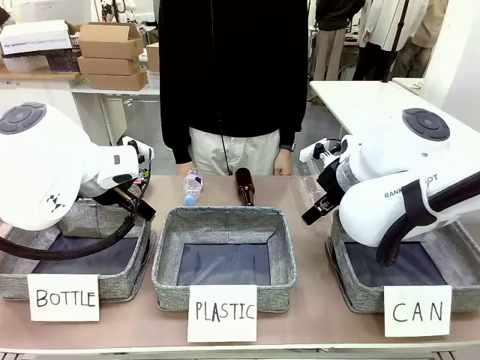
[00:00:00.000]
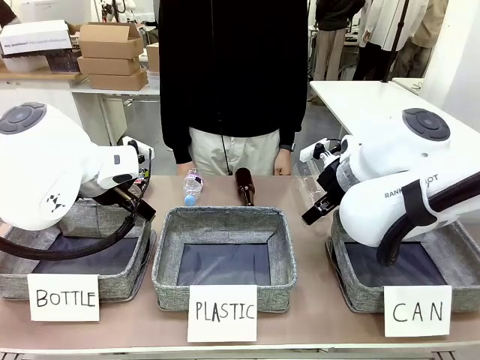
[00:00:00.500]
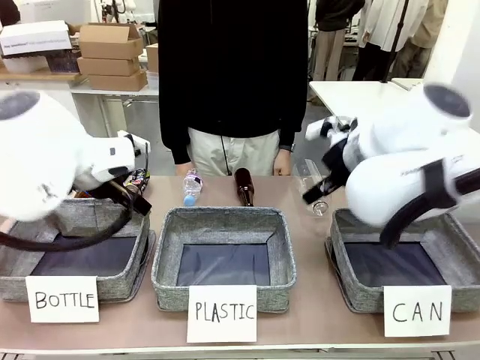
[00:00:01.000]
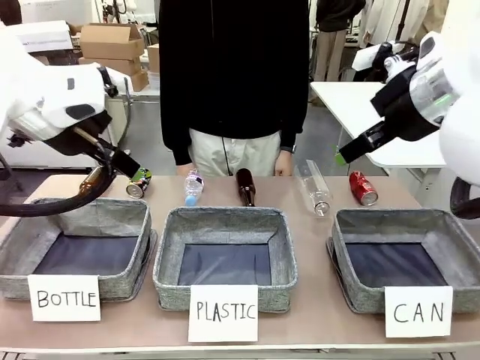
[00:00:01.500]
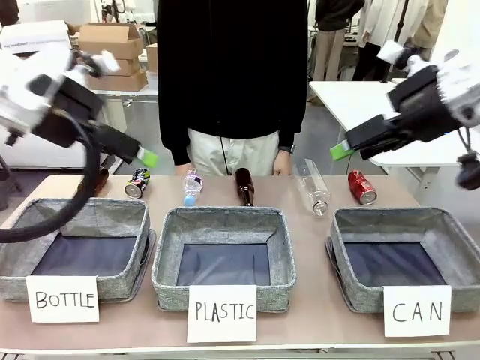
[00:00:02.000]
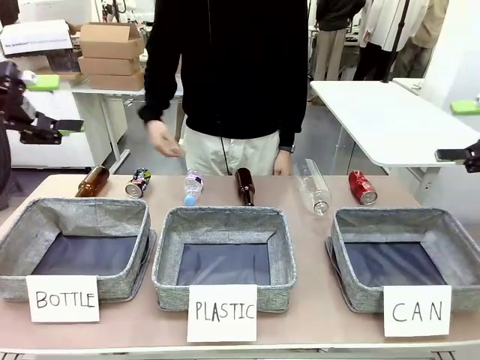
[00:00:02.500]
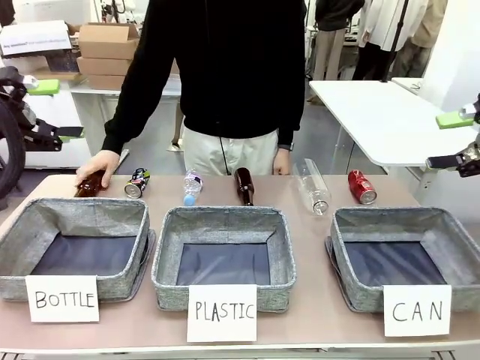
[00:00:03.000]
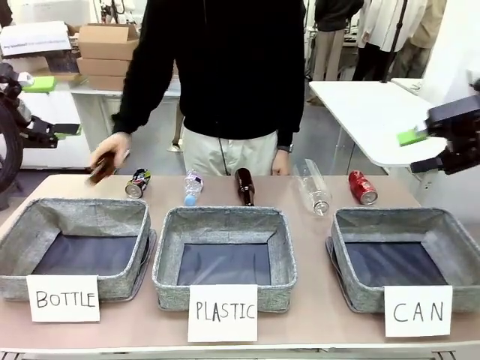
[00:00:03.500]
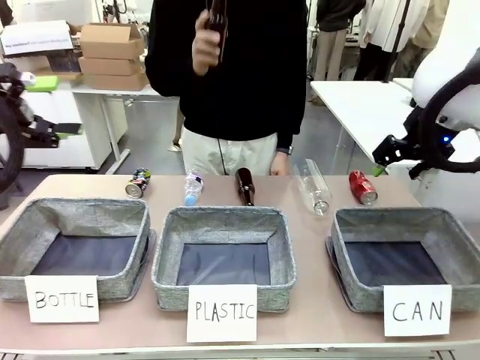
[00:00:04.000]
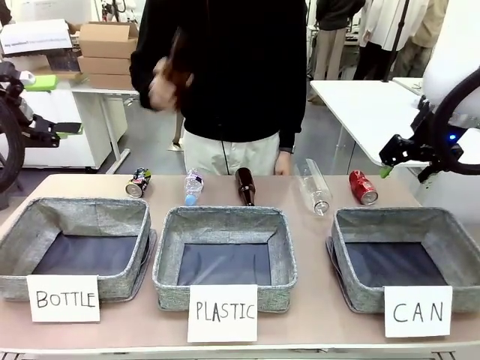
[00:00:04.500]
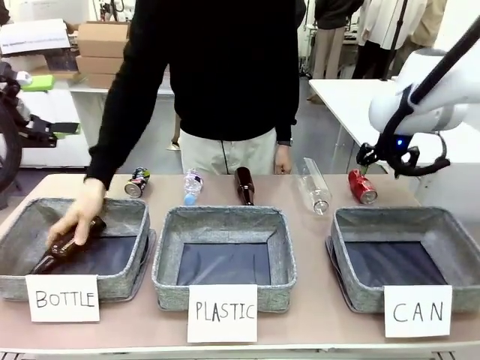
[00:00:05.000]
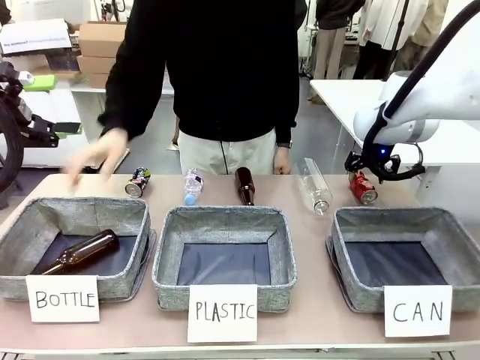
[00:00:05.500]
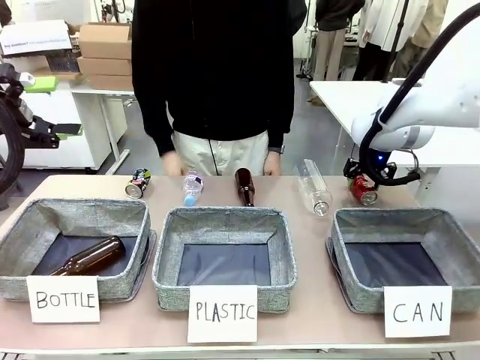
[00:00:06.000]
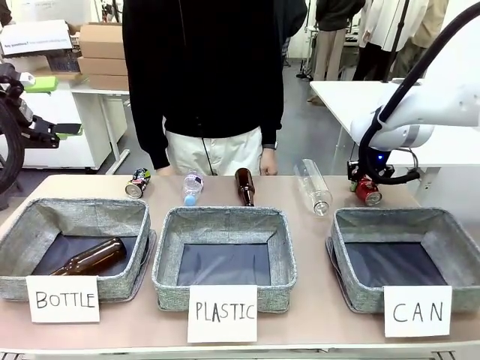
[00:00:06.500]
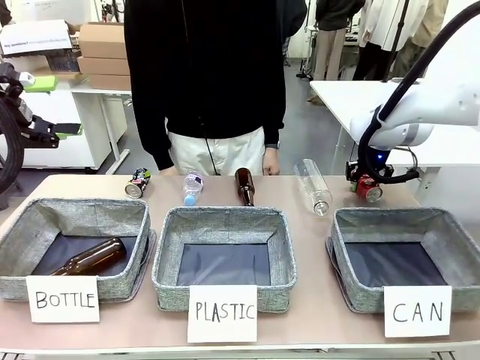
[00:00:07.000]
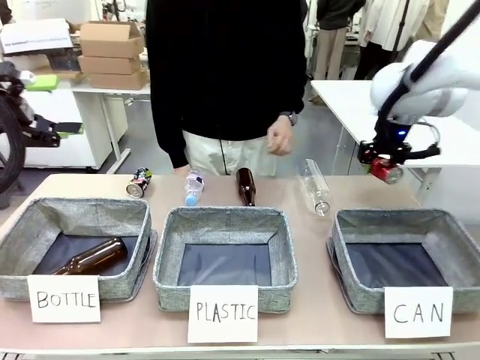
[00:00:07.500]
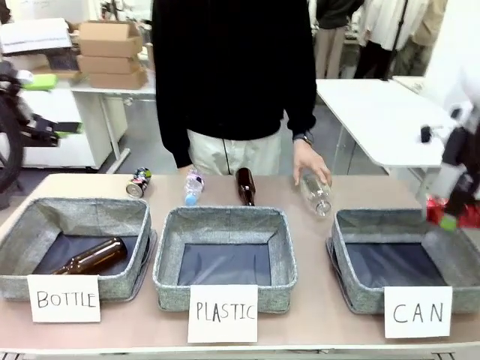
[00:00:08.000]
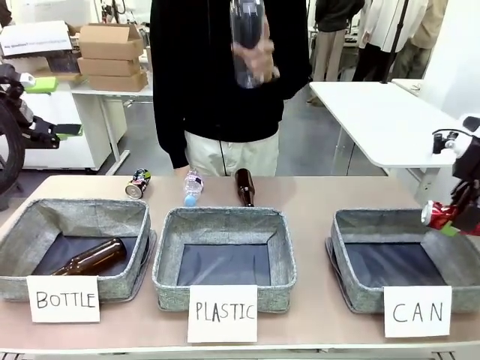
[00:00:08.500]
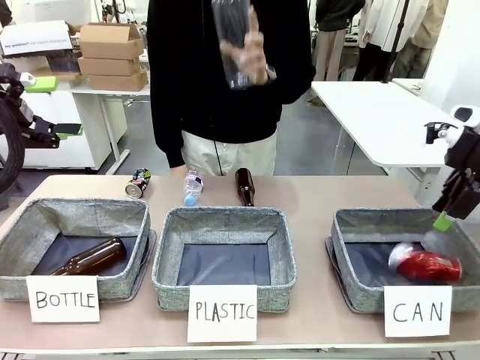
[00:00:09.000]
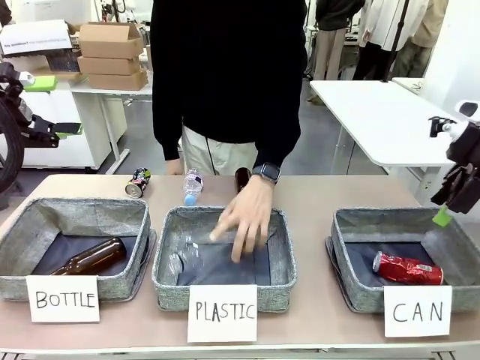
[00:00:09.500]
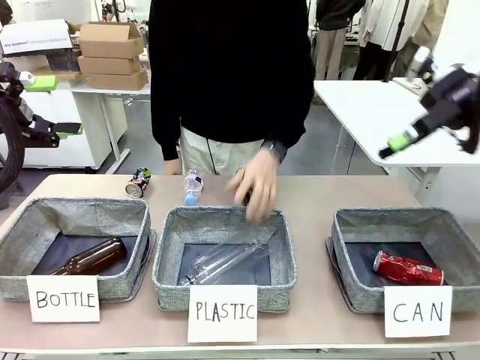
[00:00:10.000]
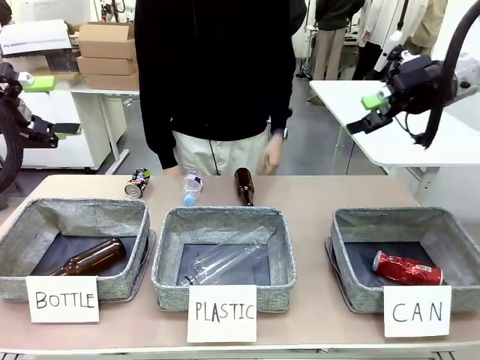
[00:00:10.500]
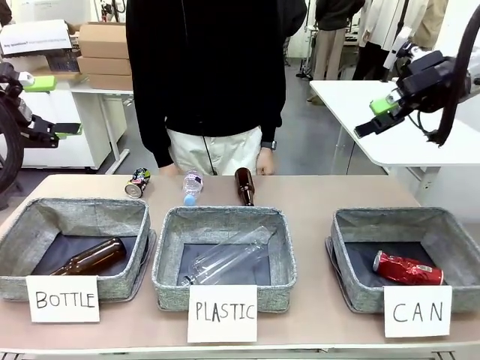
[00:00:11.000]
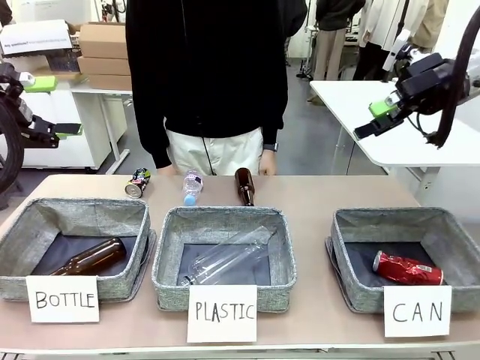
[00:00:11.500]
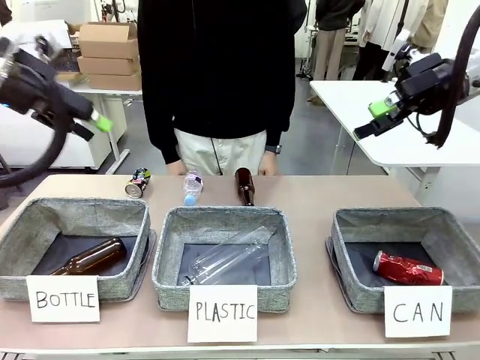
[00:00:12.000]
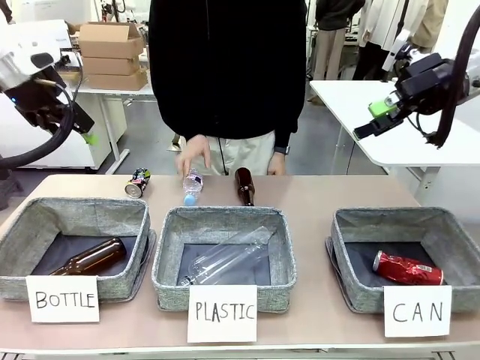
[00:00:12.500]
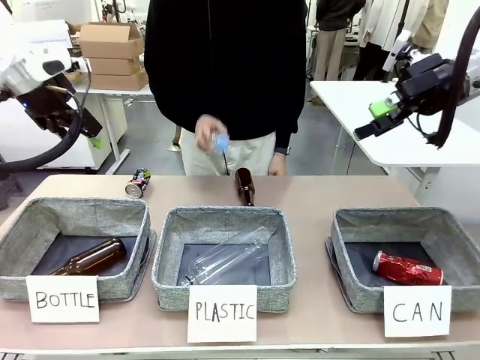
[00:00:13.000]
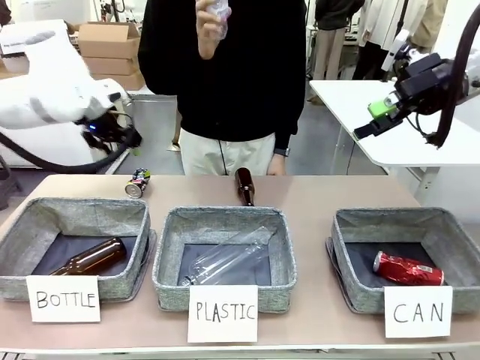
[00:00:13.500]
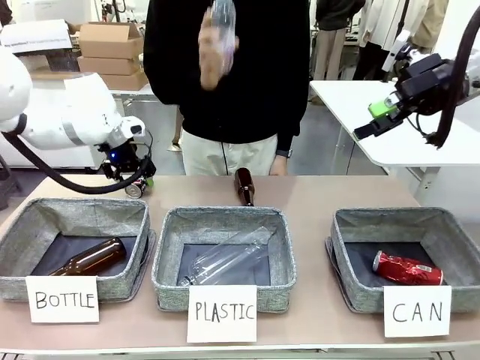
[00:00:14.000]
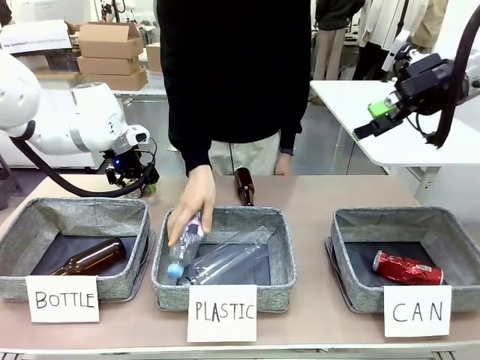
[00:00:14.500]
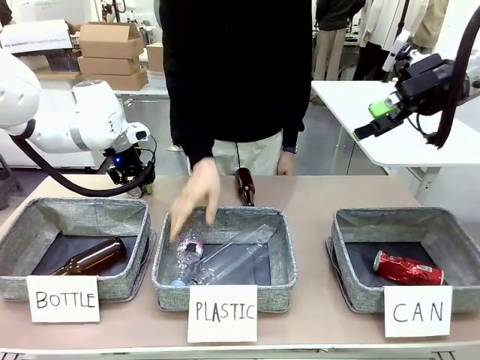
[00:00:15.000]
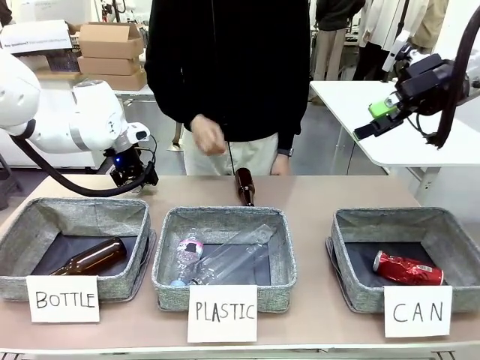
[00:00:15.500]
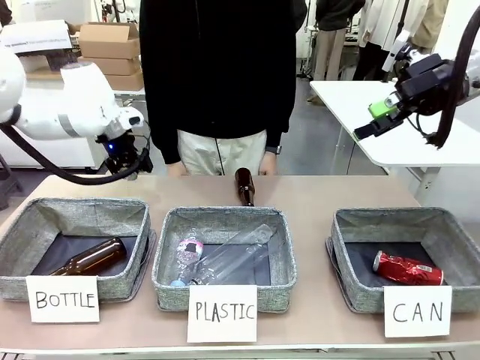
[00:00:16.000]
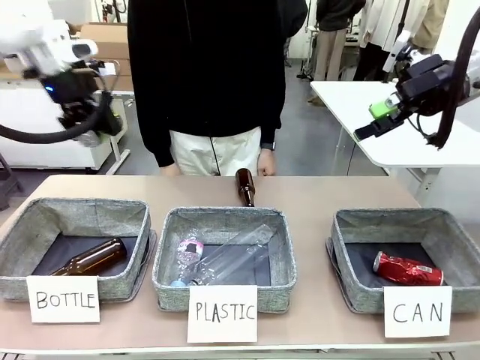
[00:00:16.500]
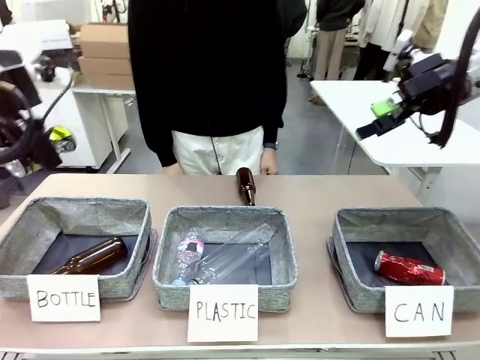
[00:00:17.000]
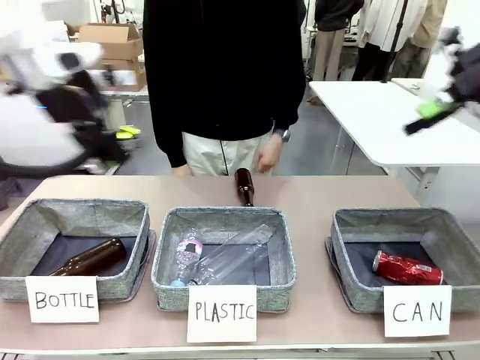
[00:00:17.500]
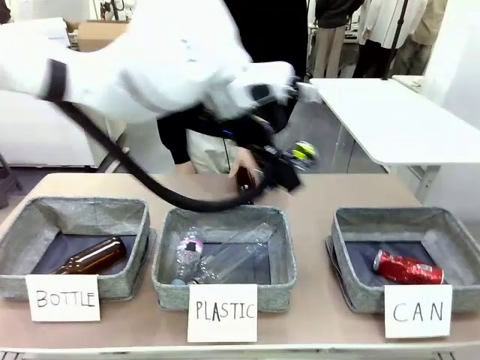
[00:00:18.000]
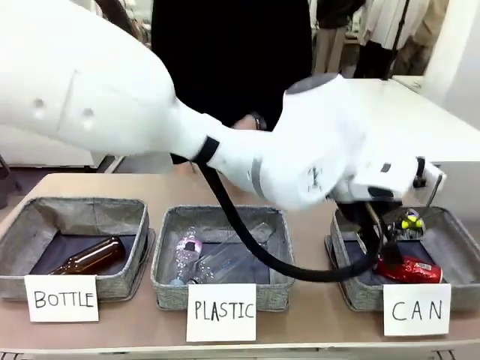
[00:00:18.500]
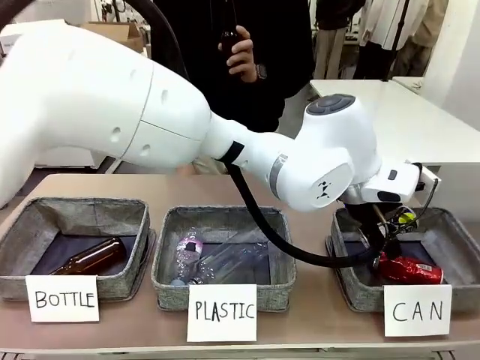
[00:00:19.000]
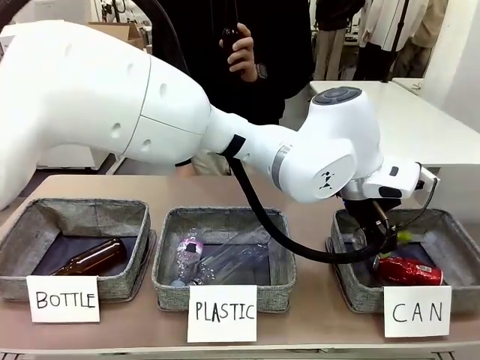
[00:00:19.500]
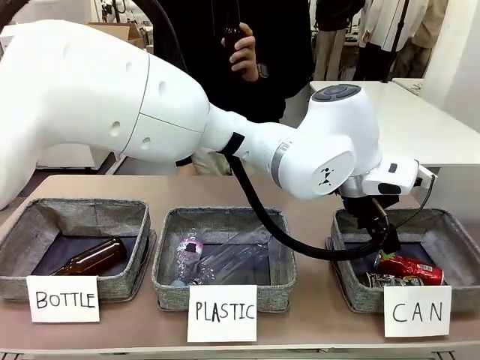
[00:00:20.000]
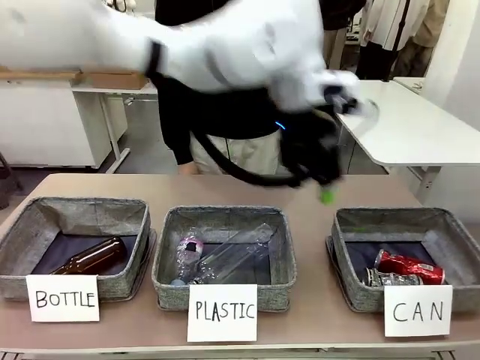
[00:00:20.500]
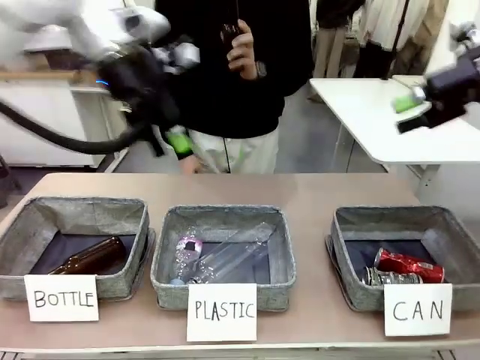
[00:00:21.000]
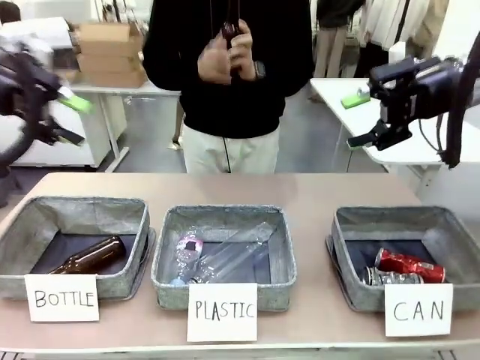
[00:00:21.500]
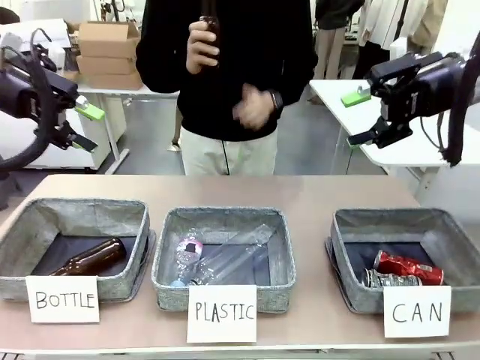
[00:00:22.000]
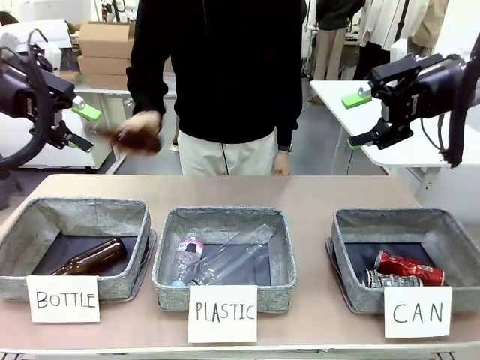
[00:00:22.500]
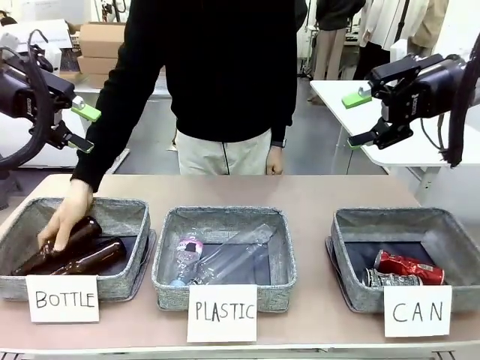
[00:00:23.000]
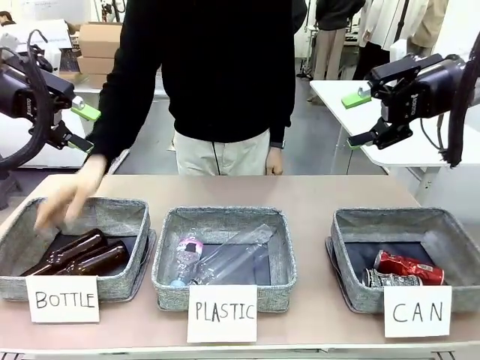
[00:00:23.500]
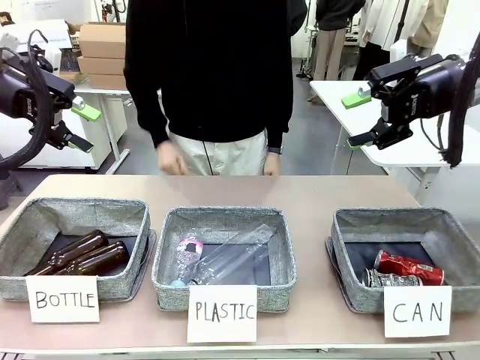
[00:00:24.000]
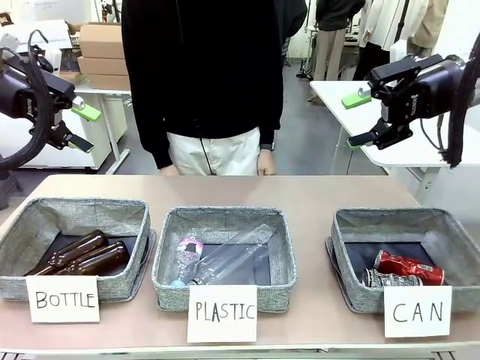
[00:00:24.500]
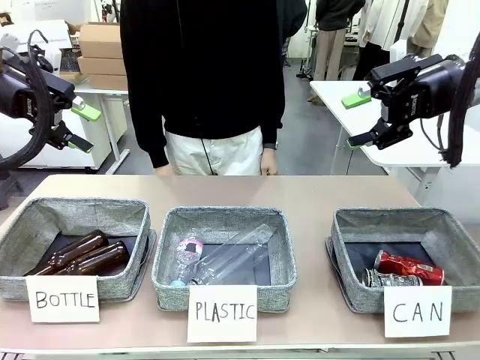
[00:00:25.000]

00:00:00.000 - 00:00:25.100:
Task: Sort the can waste into the basket.
Robot: Pick up the can waste from the table and place it in the right Fabric basket.
Person: The human picks up one piece of trash that is not a can and places the trash into the appropriate organizing basket.
